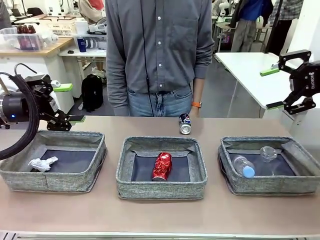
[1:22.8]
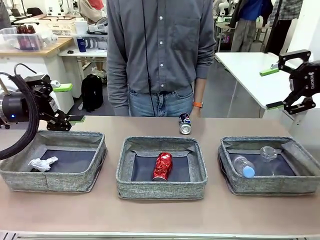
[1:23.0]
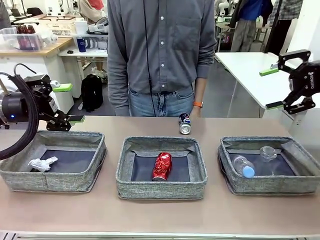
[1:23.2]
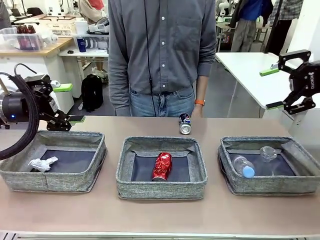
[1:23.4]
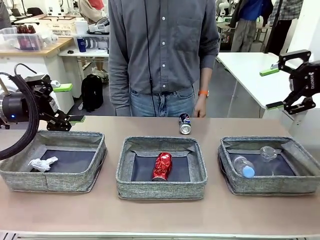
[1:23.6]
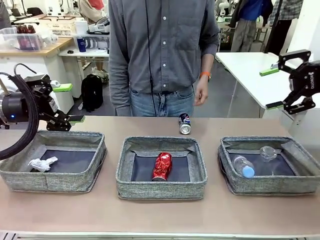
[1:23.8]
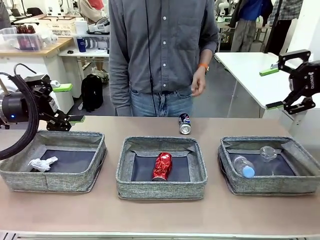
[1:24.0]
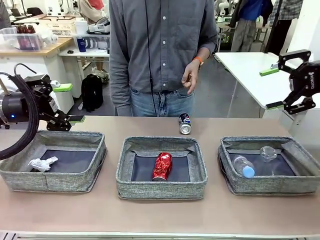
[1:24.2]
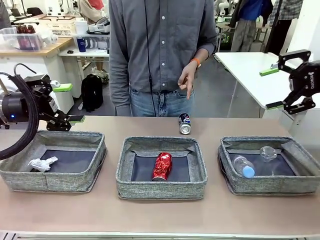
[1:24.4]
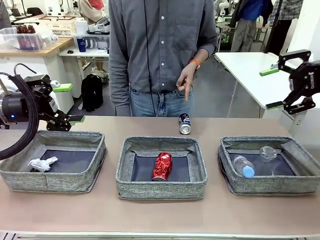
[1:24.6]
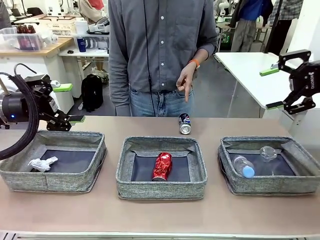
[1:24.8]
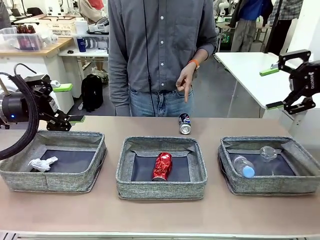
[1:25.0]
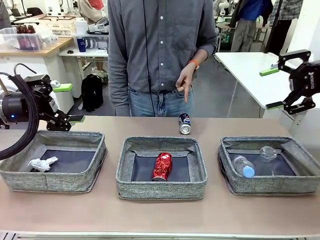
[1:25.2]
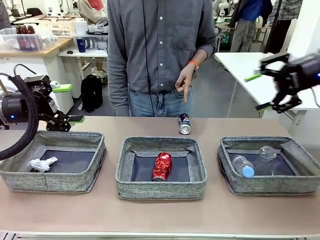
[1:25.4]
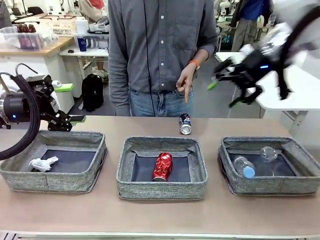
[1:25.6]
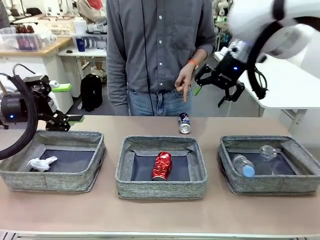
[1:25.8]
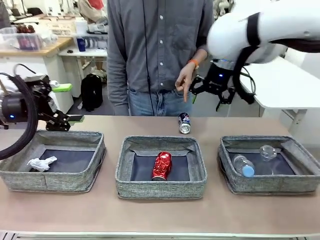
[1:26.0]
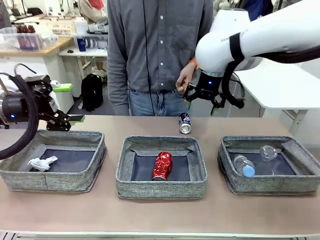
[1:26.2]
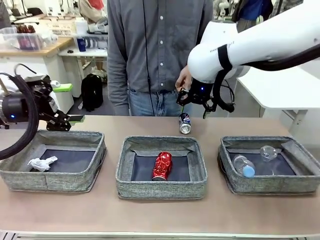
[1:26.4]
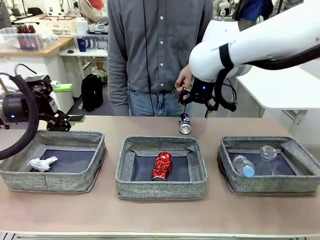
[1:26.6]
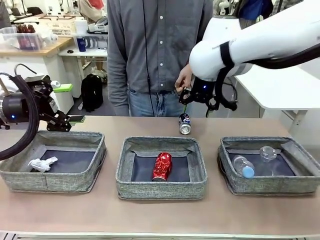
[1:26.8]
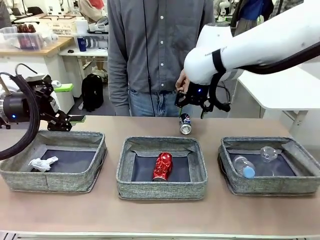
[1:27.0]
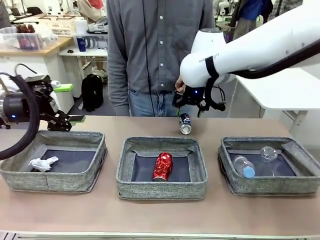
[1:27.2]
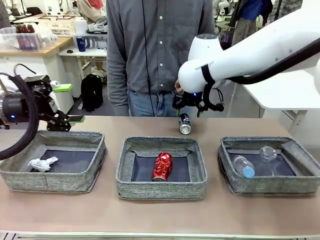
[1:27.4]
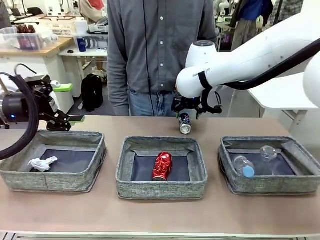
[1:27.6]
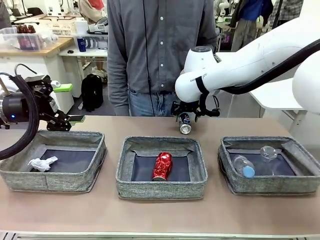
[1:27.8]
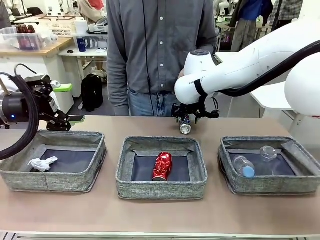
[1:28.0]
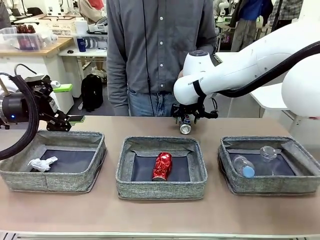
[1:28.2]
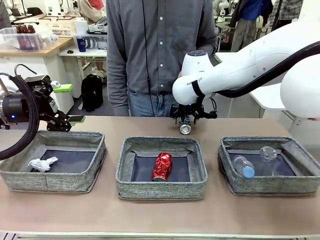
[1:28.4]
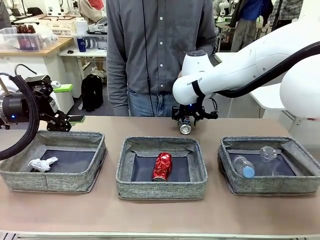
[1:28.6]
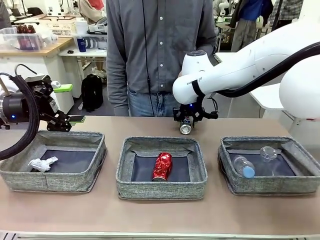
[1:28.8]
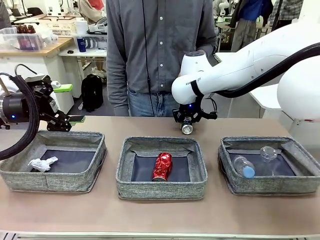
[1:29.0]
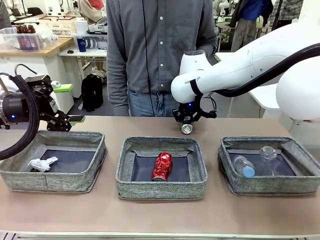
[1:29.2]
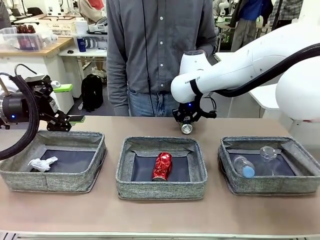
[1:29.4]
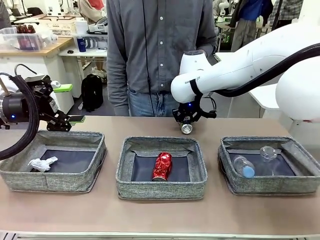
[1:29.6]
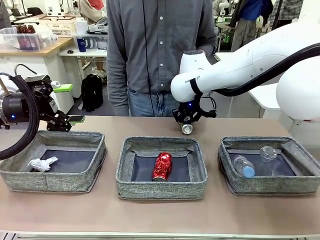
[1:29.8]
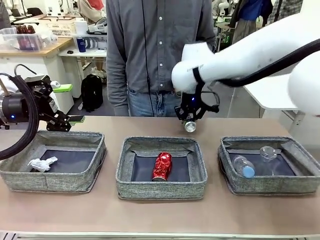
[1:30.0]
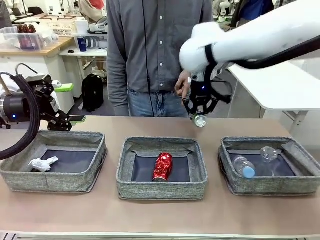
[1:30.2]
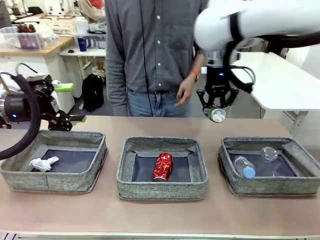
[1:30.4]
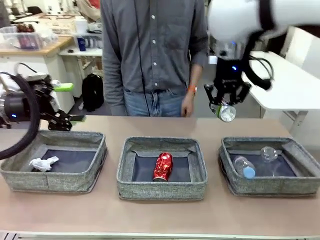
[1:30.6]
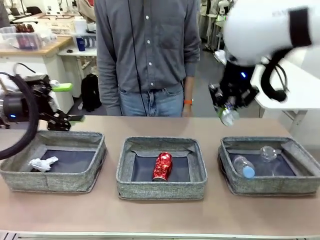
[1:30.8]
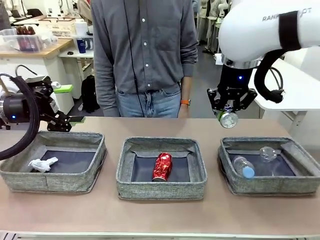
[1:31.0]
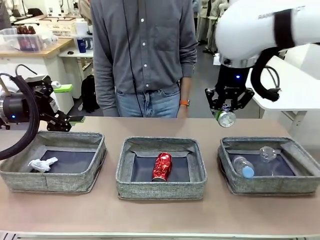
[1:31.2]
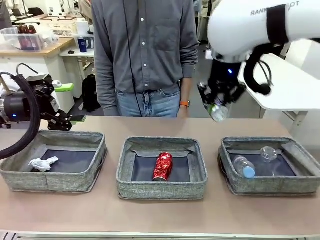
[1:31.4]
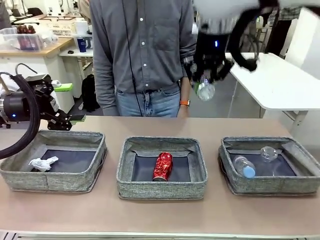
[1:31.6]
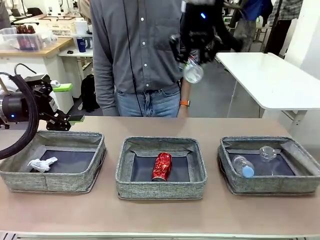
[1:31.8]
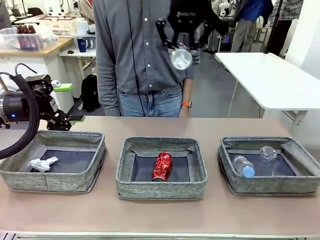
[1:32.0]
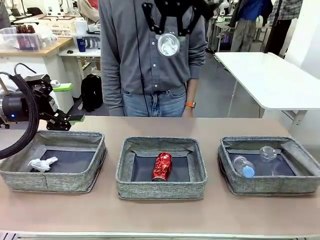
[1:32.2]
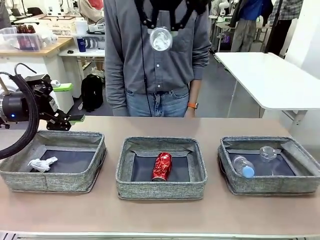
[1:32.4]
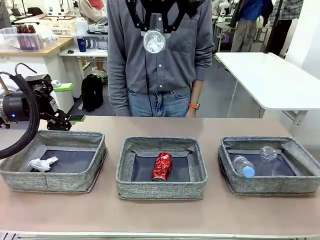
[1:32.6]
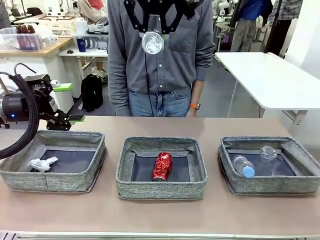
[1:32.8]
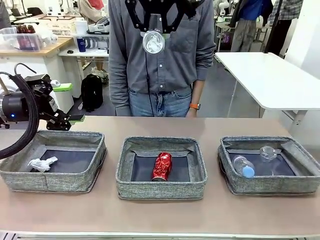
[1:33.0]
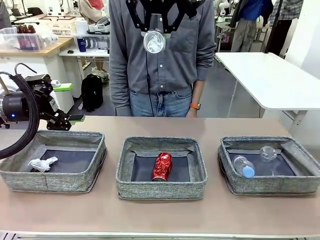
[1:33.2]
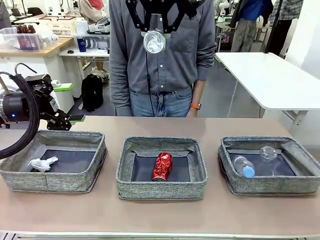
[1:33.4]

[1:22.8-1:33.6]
Task: Sort the waste into the appropriate baskets.
Robot: Pick up the waste item pointed out by the person.
Person: Points to one piece of trash on the table.

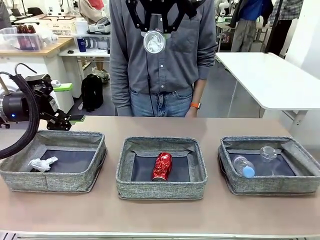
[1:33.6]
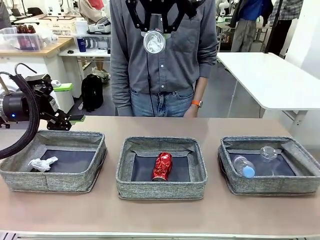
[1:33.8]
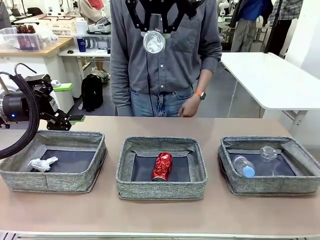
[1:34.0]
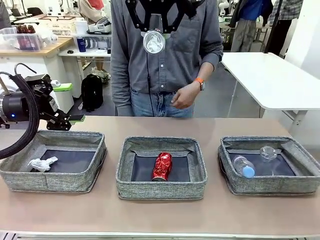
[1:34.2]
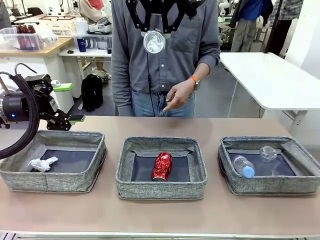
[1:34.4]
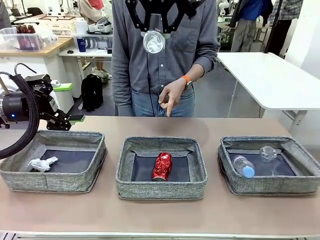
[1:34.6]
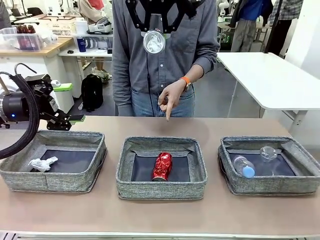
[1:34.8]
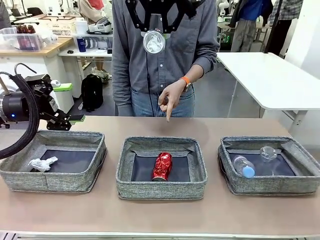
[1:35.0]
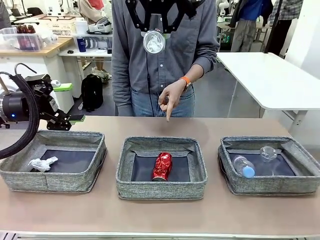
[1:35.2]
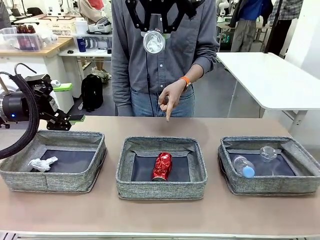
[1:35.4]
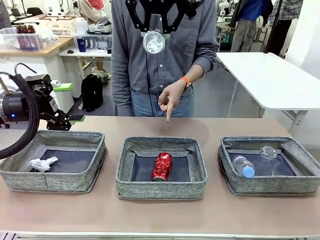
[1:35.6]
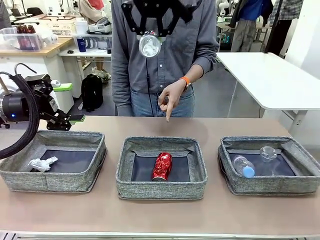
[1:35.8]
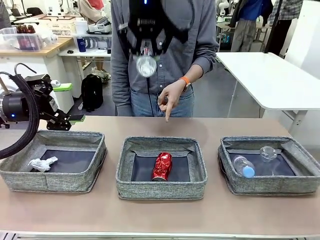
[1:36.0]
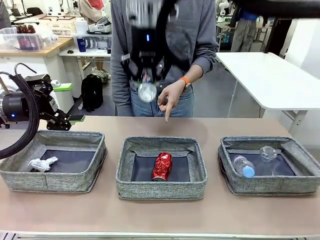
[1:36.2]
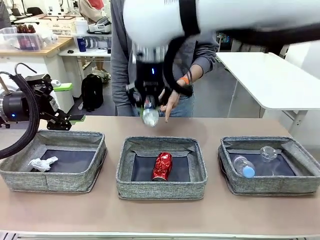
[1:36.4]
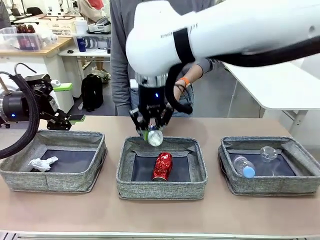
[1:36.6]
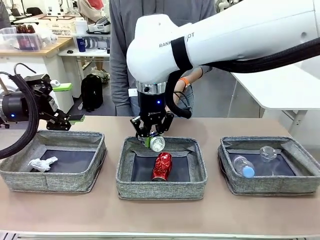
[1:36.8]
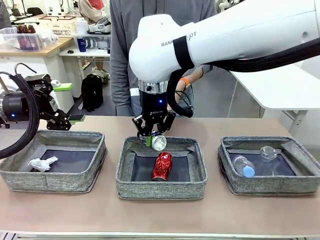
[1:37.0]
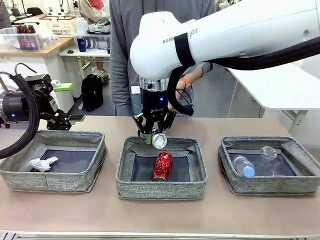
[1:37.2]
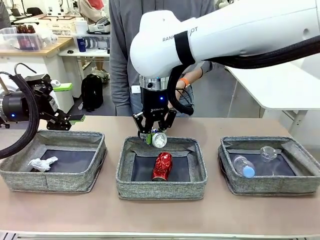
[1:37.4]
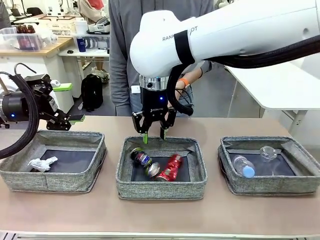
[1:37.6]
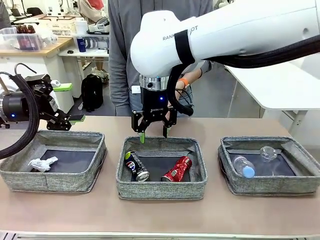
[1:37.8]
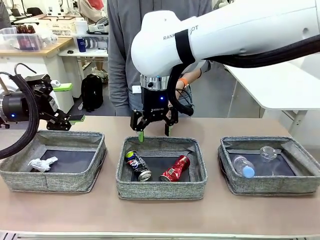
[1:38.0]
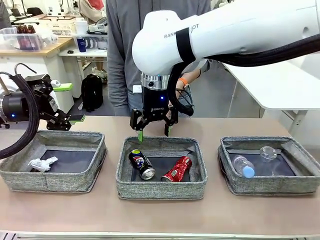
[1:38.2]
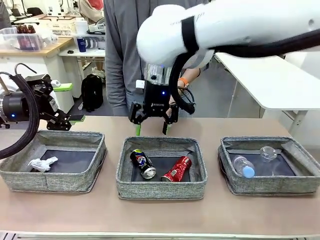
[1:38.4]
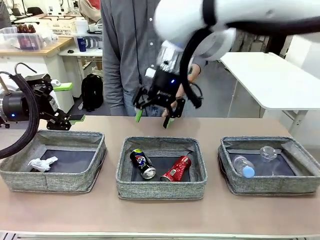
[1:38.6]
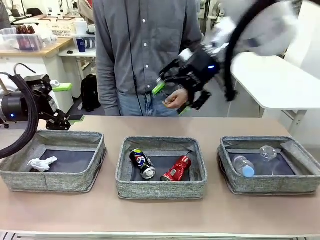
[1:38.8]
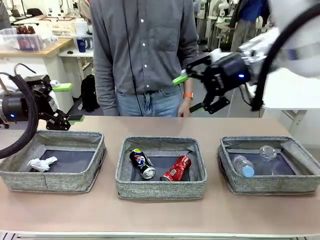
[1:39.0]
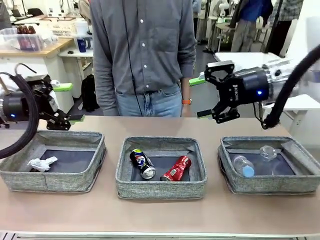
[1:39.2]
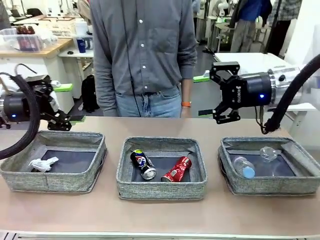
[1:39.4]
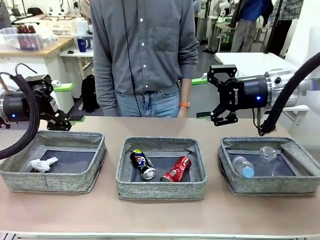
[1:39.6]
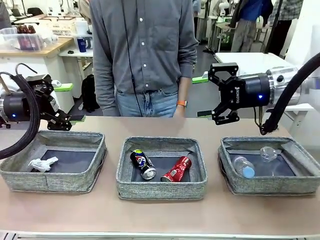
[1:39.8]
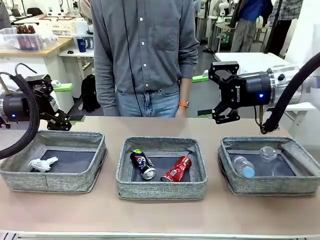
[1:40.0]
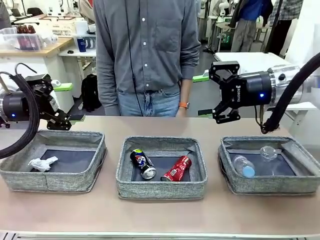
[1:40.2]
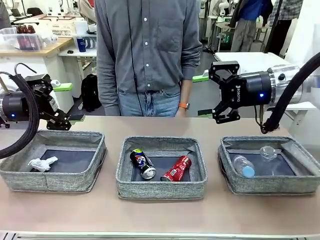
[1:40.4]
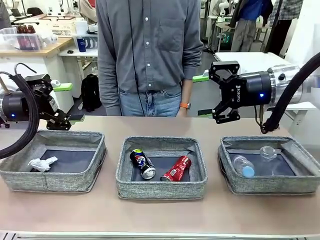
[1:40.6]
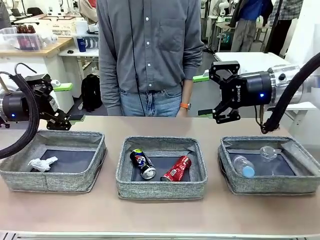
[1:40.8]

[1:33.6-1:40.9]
Robot: Place the picked waste into the Fabric basket indicated by the person.
Person: Instructs the robot to place the picked-up trash into the appropriate organizing basket.
